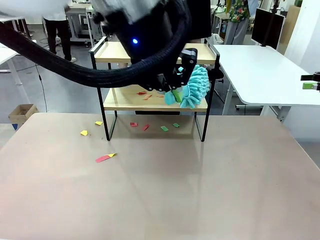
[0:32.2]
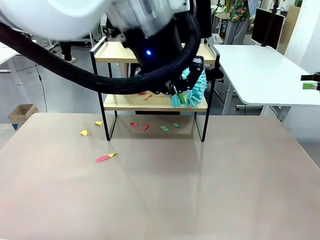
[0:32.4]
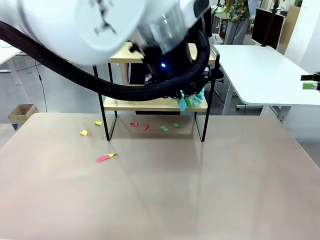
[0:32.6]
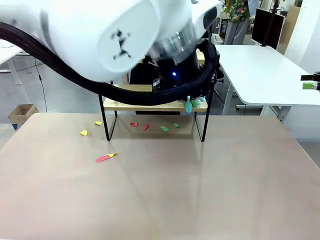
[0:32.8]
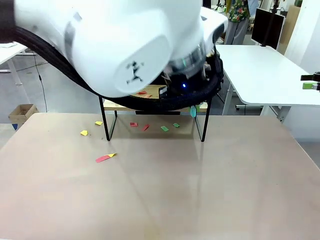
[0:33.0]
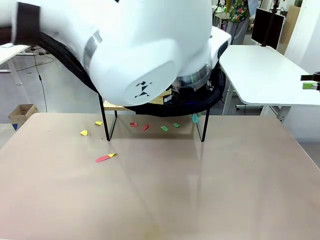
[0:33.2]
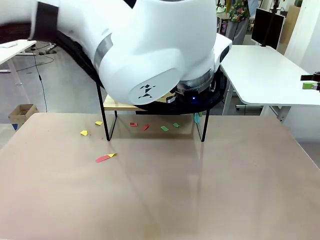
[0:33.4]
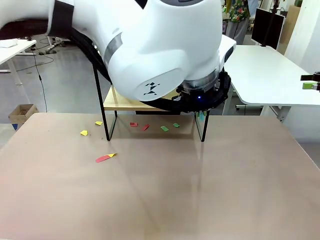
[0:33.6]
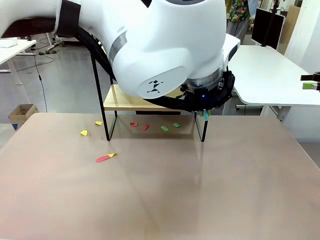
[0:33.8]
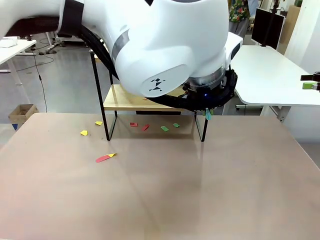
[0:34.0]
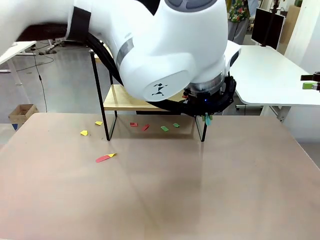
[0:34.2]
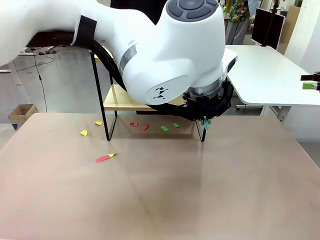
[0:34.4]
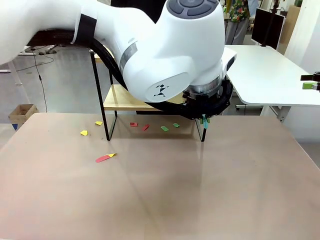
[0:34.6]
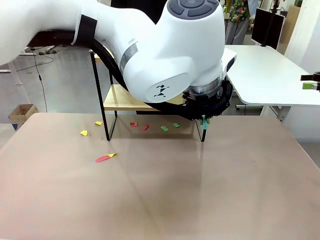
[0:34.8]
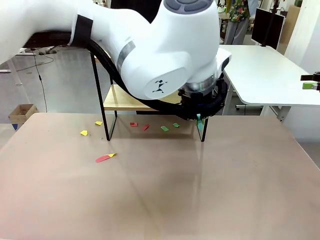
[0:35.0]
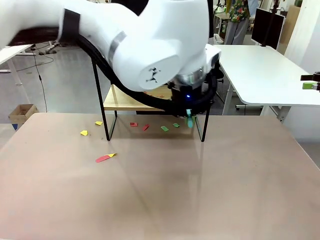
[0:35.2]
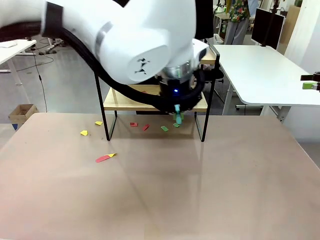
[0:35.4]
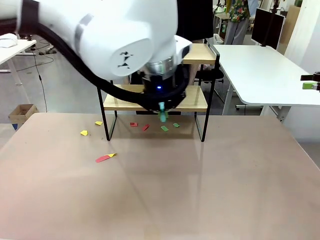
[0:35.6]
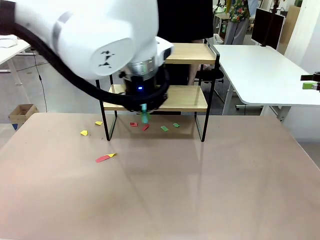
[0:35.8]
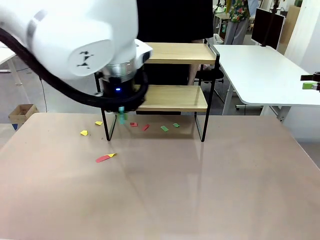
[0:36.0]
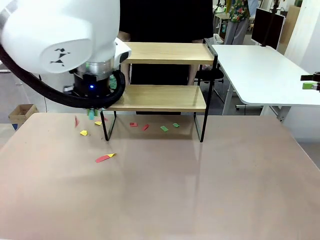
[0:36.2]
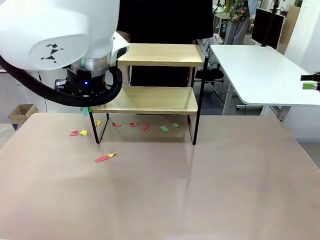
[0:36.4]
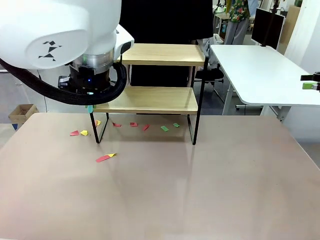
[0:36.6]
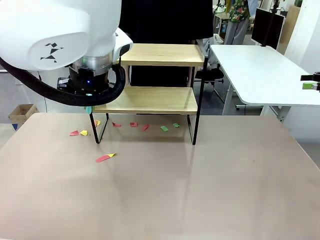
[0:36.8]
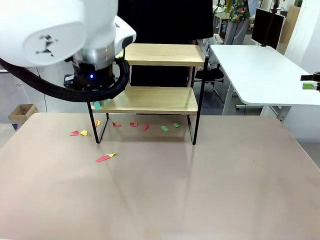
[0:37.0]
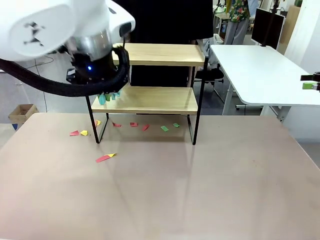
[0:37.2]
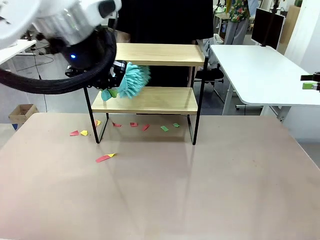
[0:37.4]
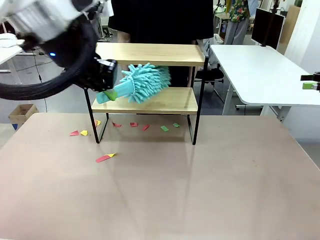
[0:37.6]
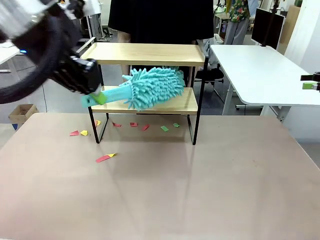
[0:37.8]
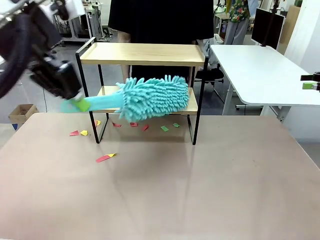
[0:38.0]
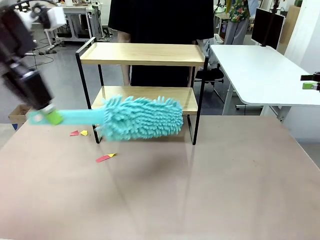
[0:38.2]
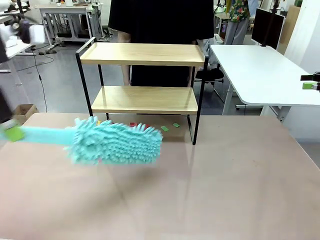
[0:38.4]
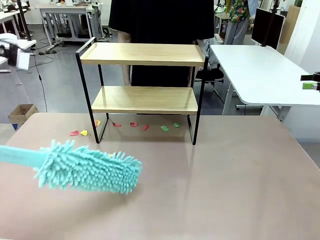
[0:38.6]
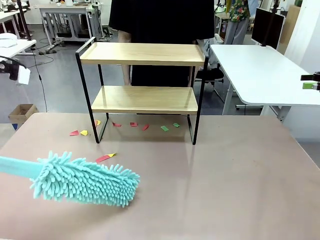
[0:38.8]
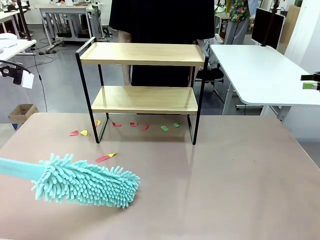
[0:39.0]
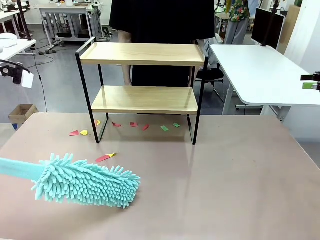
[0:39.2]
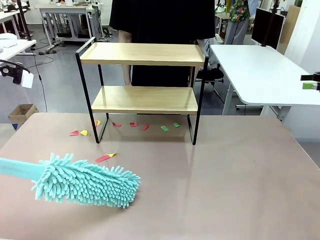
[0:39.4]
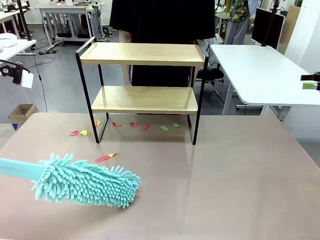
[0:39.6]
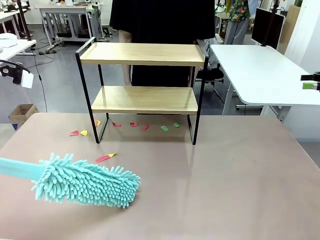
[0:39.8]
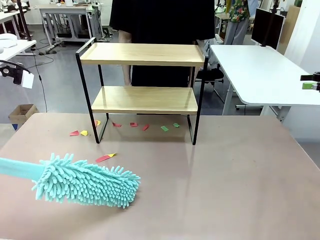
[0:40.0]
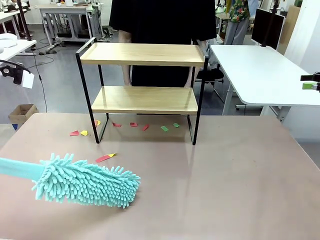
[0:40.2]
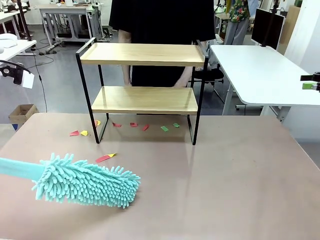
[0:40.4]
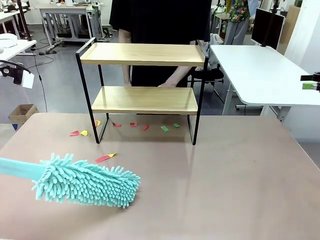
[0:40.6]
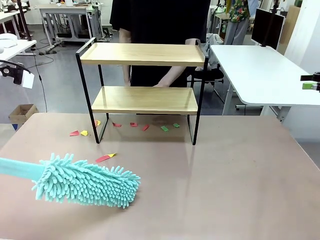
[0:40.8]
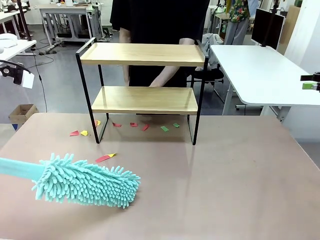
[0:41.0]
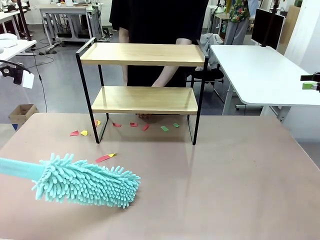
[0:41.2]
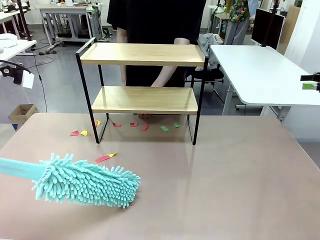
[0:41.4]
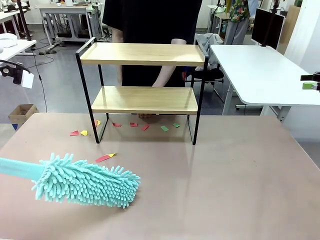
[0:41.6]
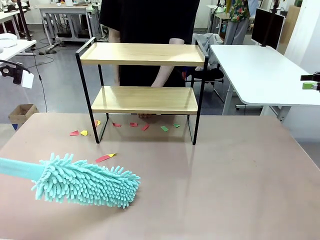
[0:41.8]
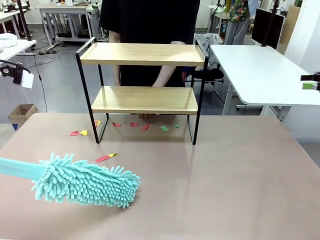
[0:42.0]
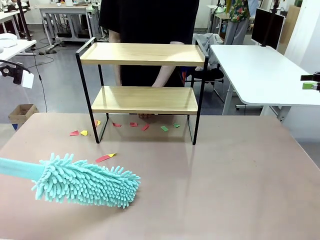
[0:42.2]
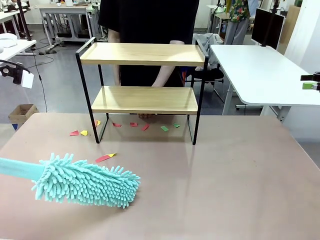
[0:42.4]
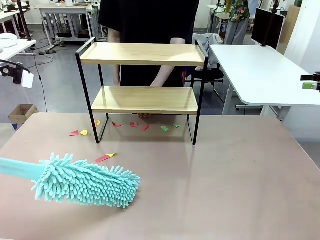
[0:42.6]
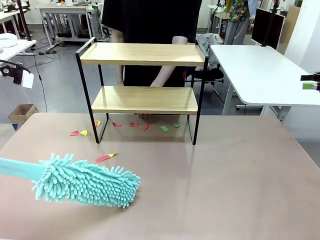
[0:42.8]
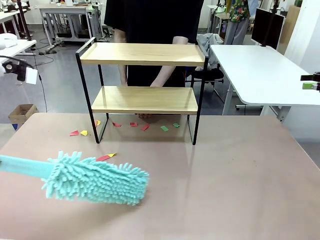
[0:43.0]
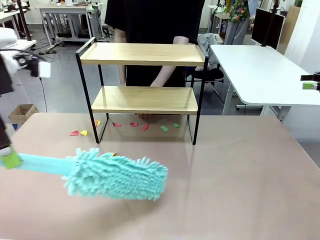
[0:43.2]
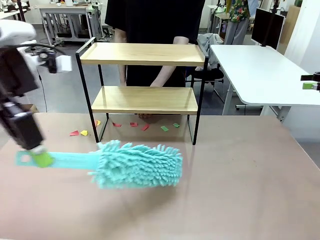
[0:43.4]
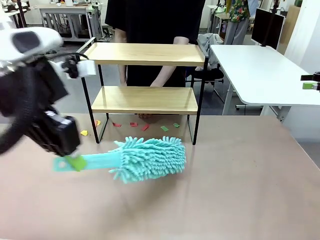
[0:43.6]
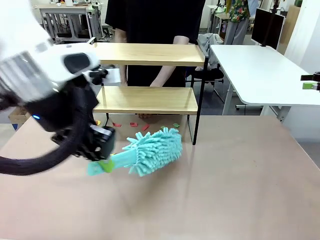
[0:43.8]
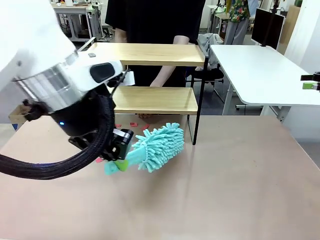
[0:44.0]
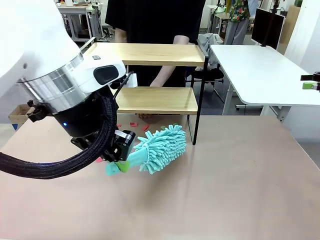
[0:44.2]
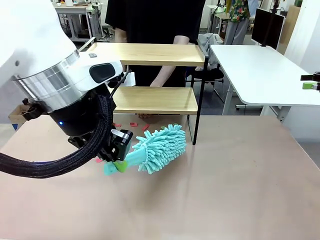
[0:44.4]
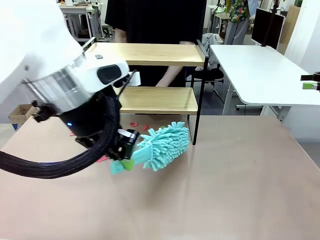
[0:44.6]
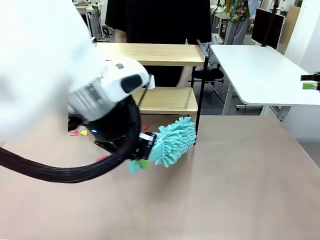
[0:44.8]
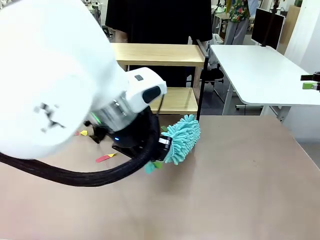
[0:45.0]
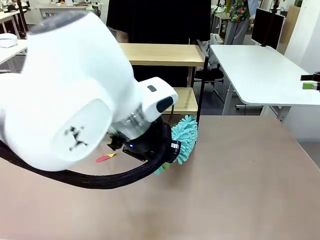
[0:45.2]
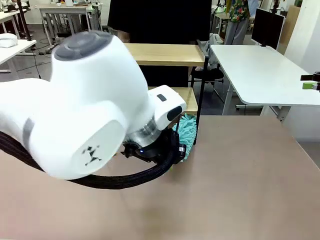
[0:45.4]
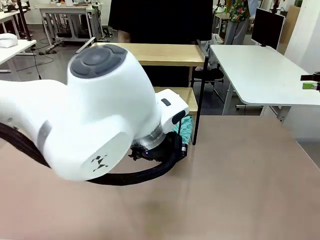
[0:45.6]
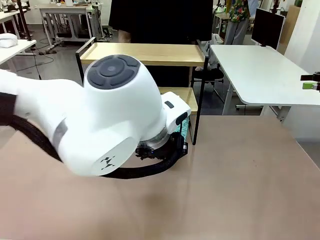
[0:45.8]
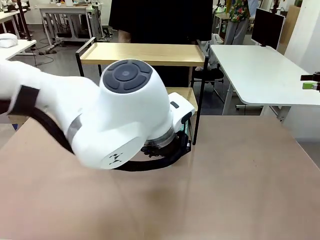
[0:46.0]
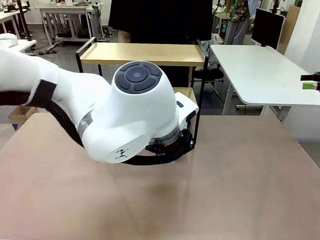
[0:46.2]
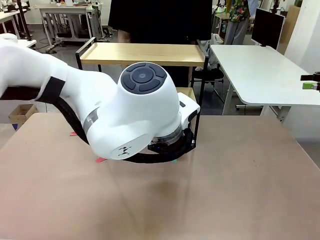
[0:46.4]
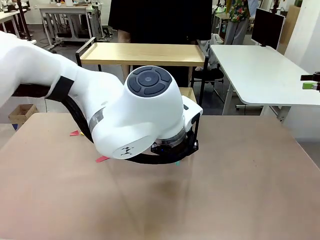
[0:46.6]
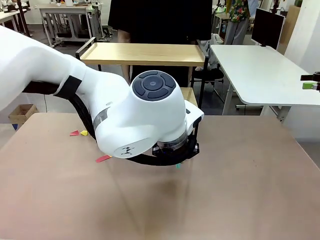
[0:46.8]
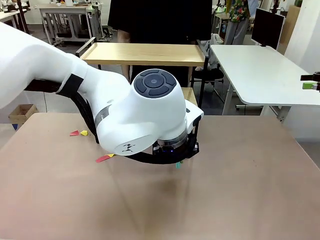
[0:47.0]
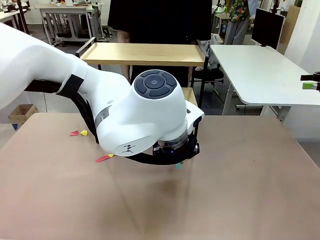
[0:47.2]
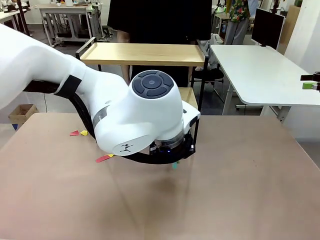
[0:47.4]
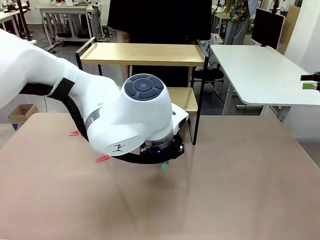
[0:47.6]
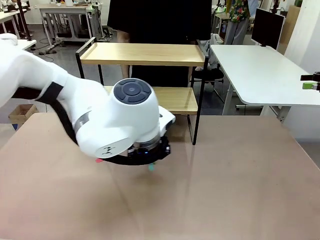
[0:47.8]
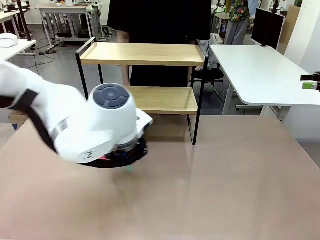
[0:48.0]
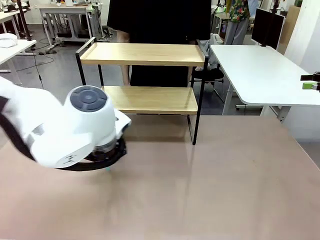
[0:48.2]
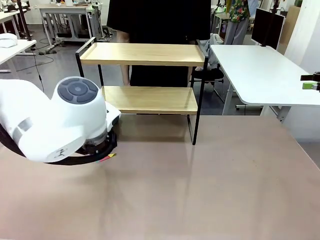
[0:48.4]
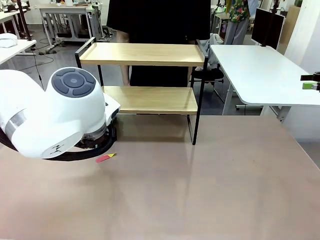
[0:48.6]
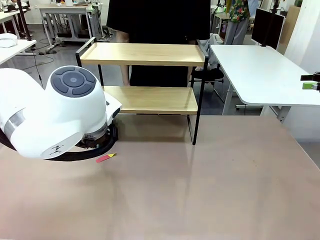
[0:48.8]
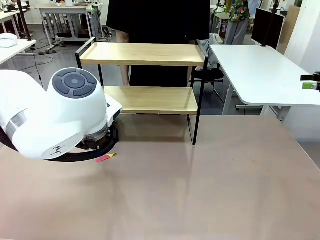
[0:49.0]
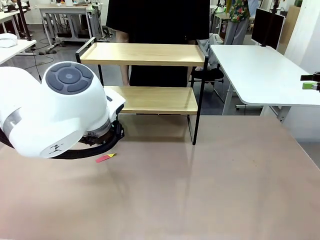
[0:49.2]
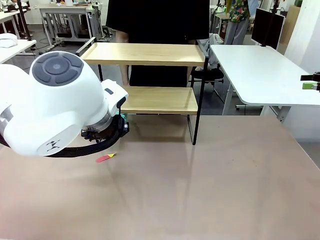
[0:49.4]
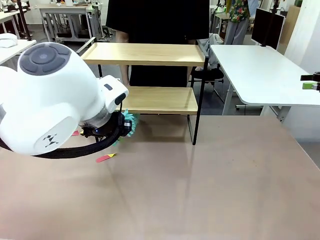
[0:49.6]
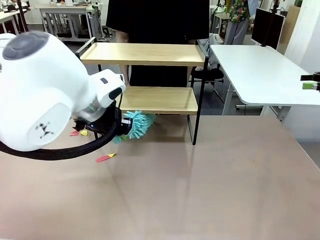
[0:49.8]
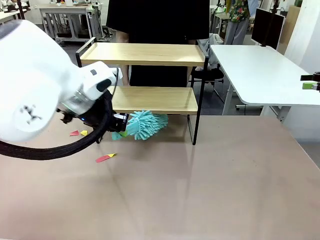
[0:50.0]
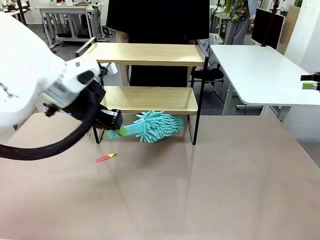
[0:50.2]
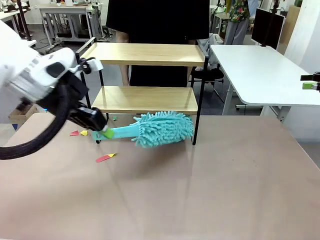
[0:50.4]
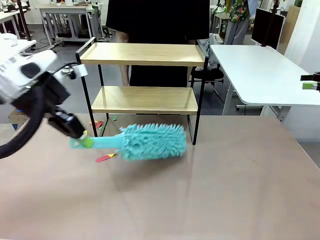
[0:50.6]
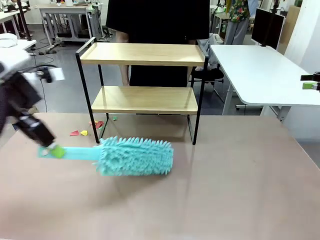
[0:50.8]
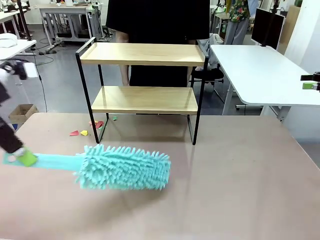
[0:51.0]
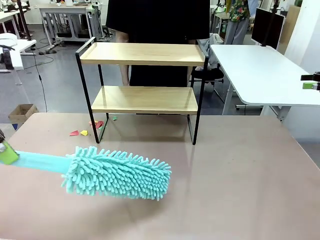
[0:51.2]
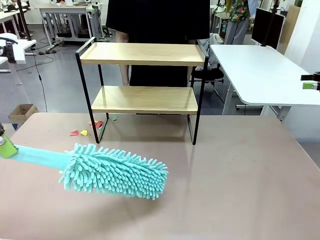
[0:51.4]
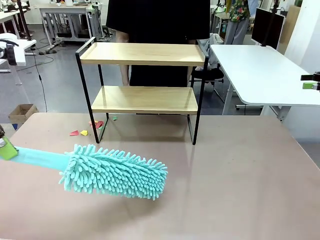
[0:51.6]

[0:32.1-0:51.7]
Task: Clean the shelf.
Robot: Clean the specific section of the Shelf indicated by the human with the Duster.
Person: Point a remaining section of the Shelf.
